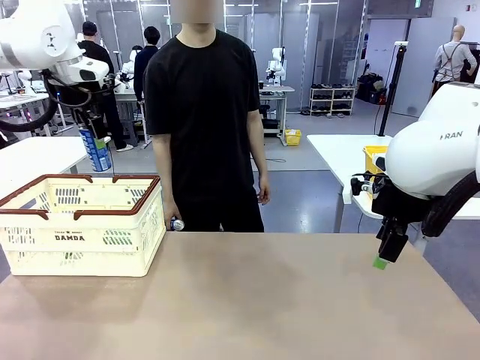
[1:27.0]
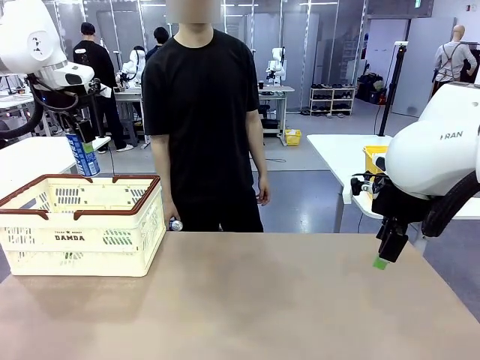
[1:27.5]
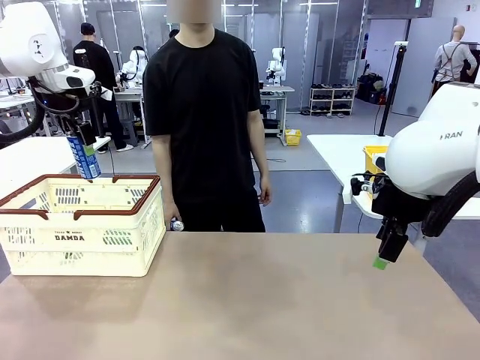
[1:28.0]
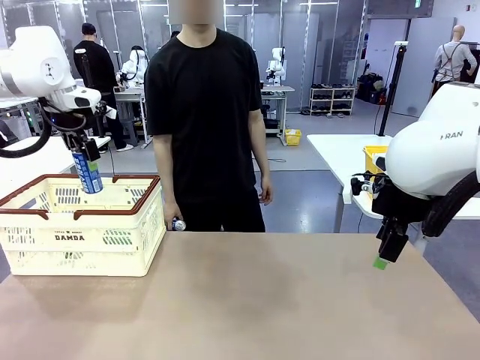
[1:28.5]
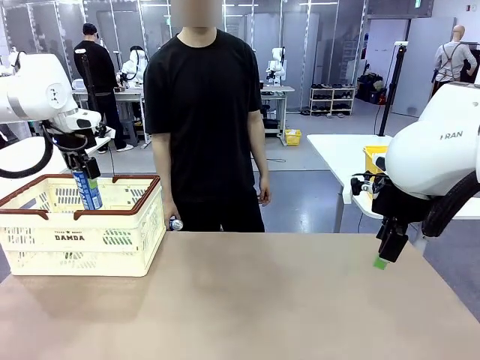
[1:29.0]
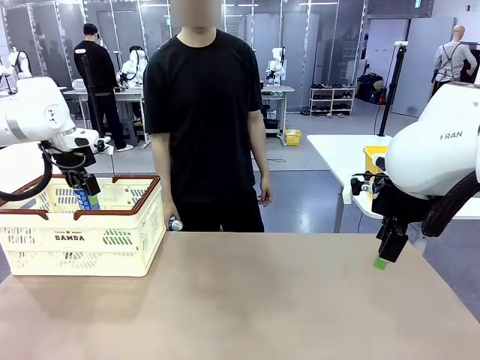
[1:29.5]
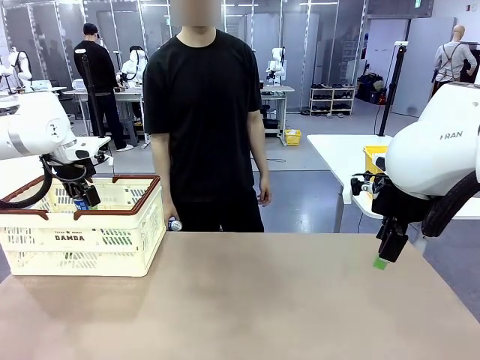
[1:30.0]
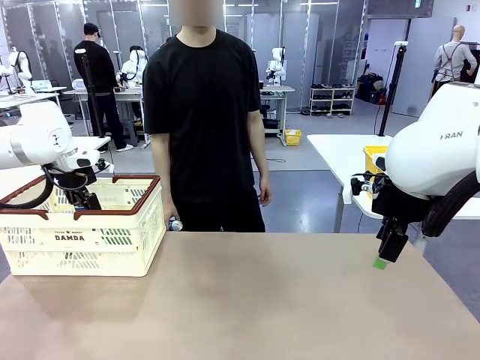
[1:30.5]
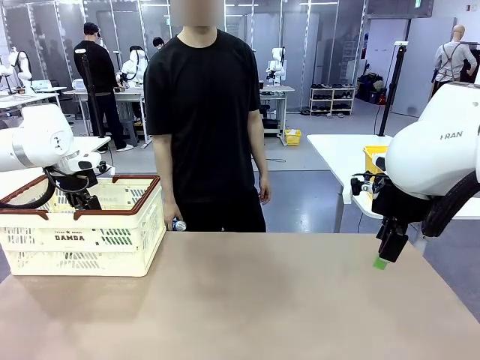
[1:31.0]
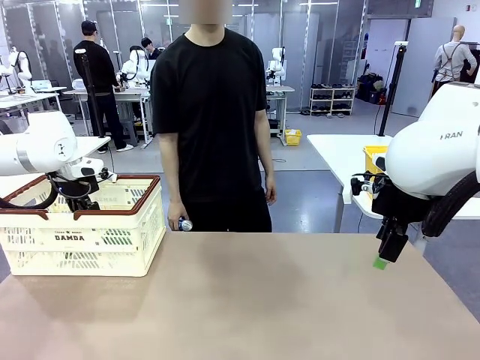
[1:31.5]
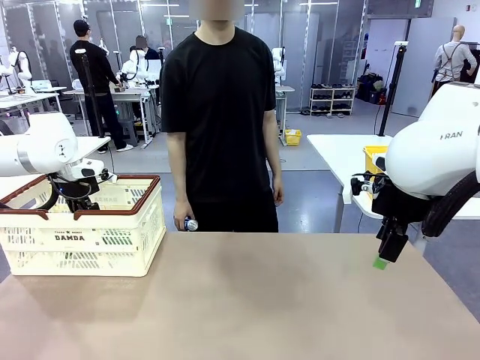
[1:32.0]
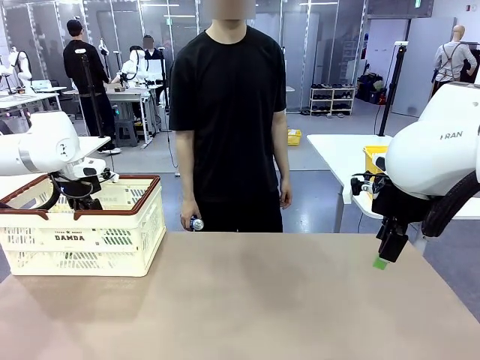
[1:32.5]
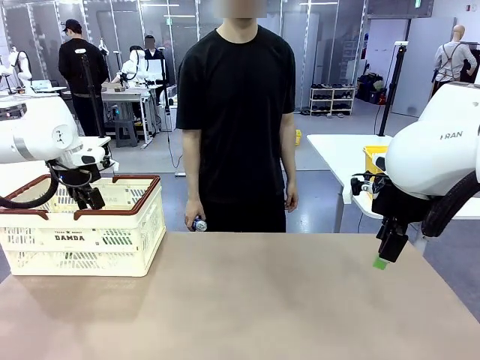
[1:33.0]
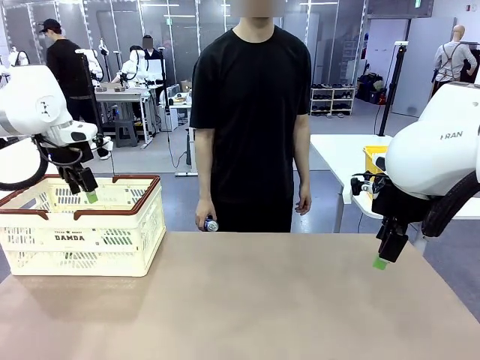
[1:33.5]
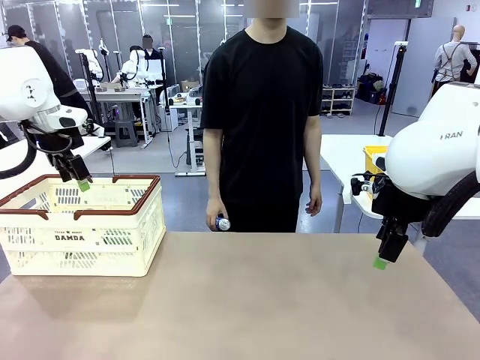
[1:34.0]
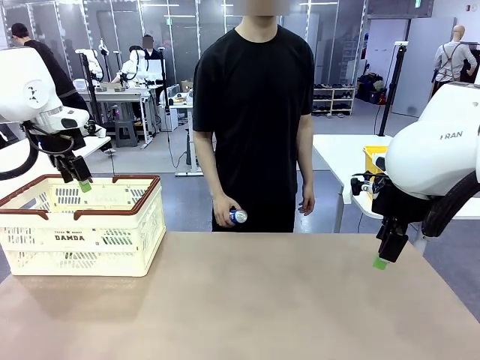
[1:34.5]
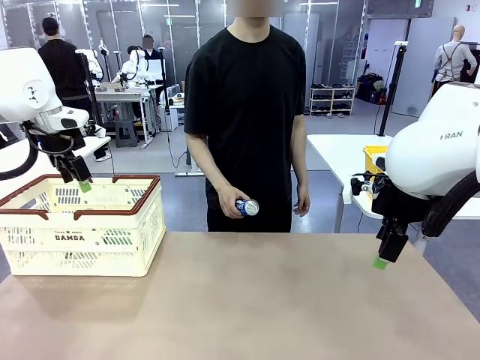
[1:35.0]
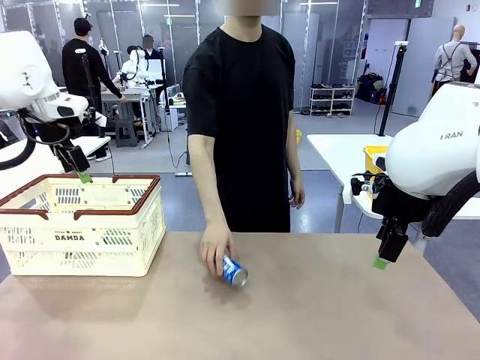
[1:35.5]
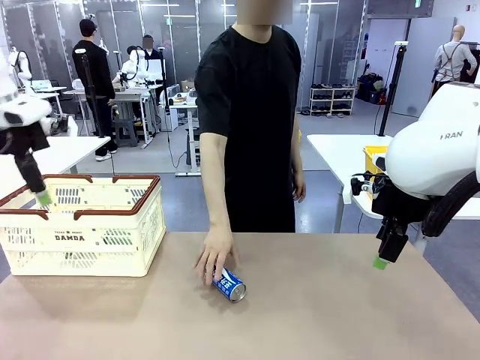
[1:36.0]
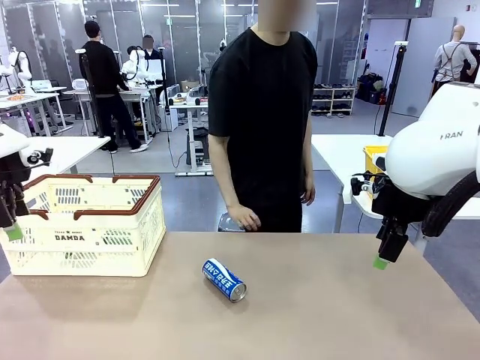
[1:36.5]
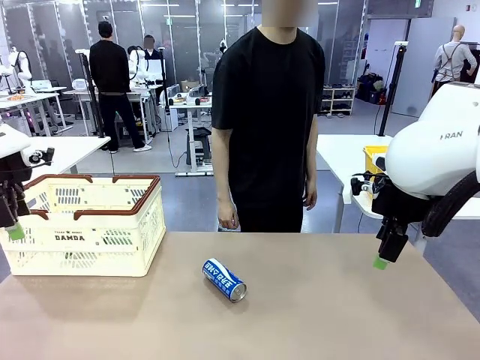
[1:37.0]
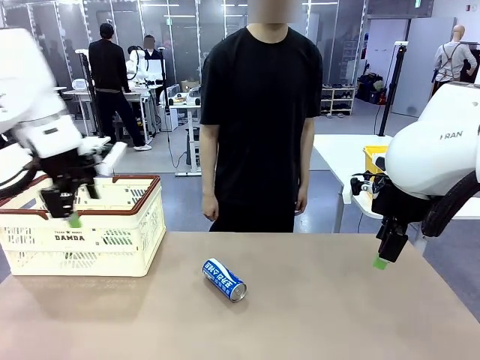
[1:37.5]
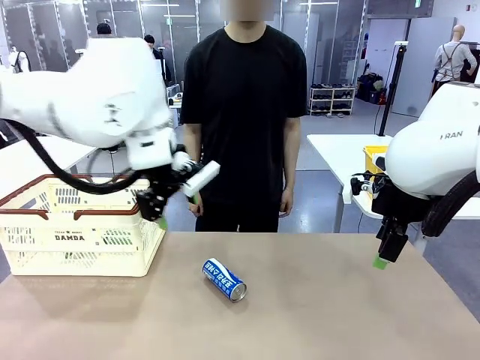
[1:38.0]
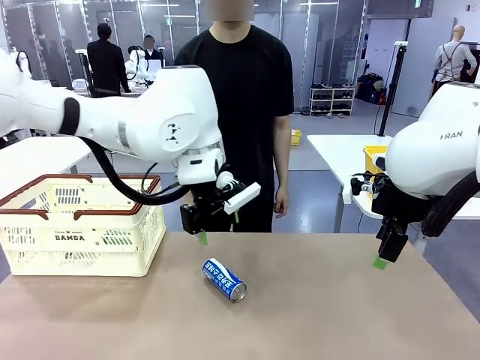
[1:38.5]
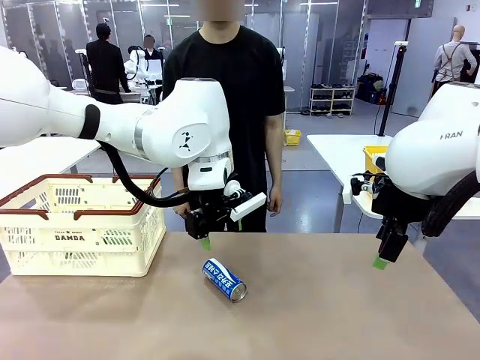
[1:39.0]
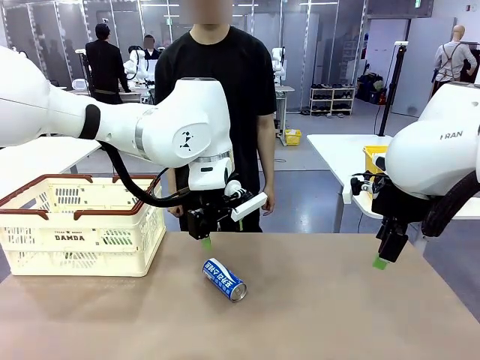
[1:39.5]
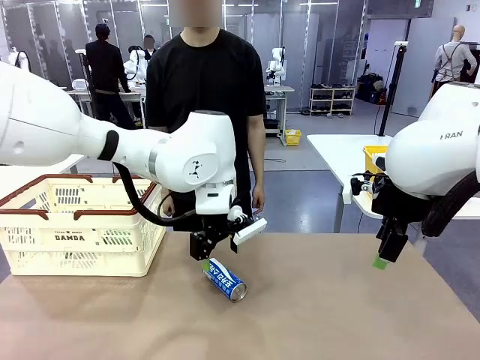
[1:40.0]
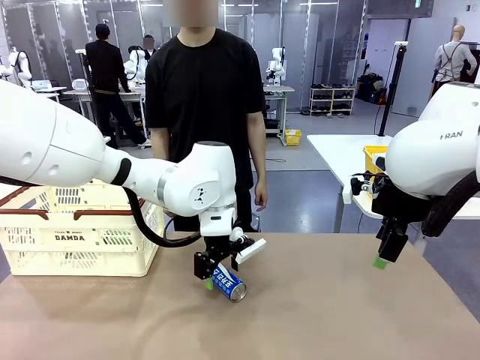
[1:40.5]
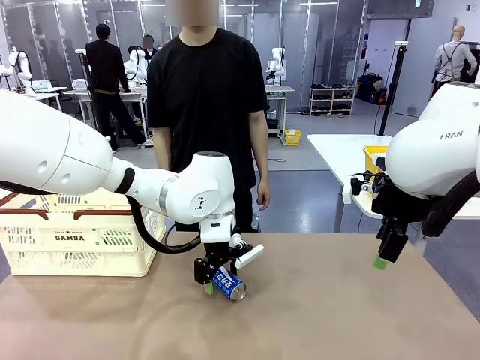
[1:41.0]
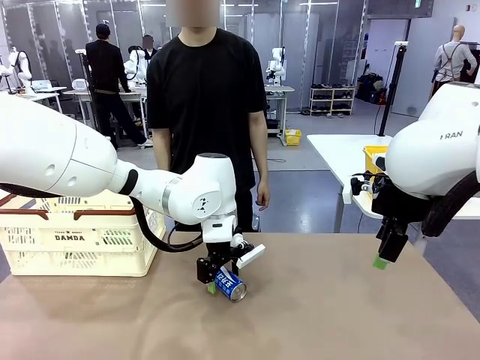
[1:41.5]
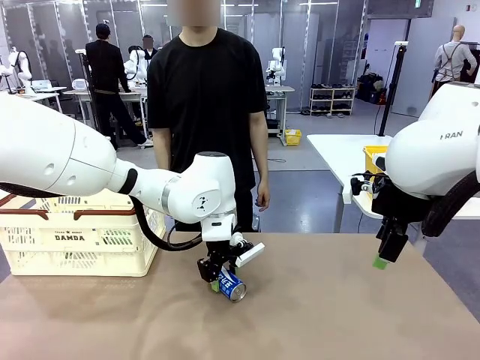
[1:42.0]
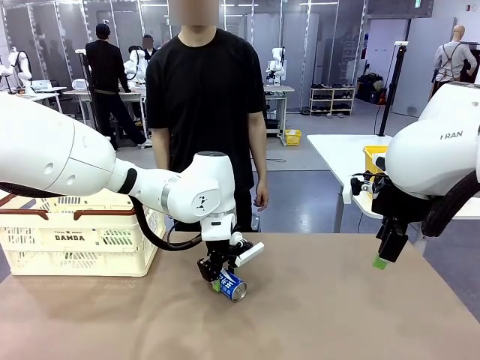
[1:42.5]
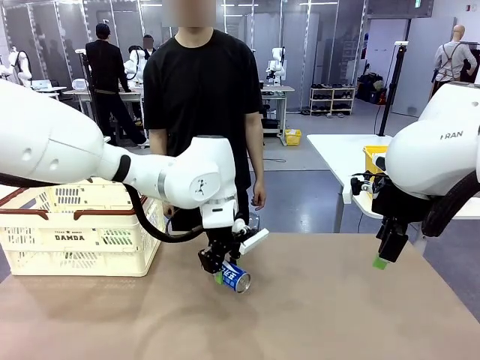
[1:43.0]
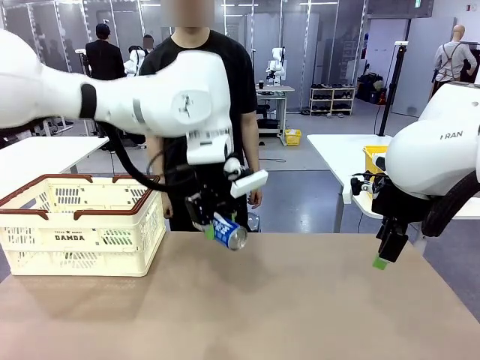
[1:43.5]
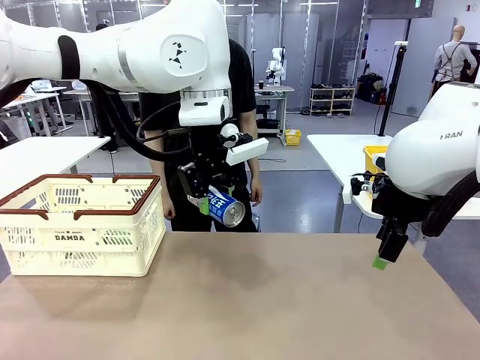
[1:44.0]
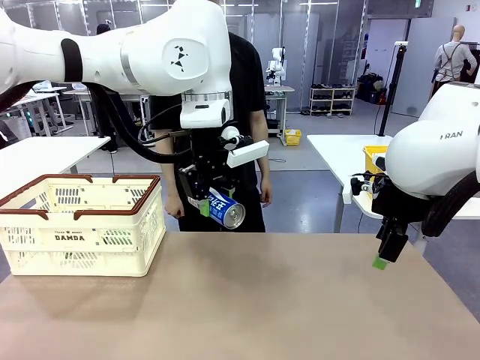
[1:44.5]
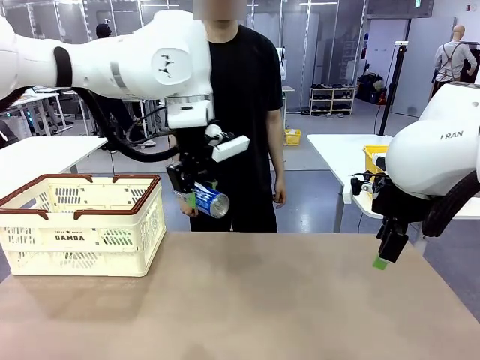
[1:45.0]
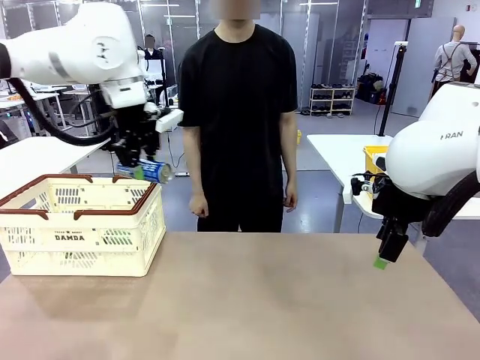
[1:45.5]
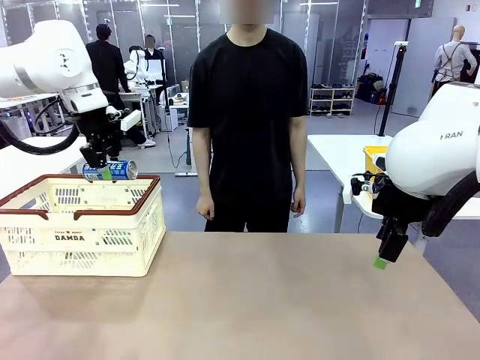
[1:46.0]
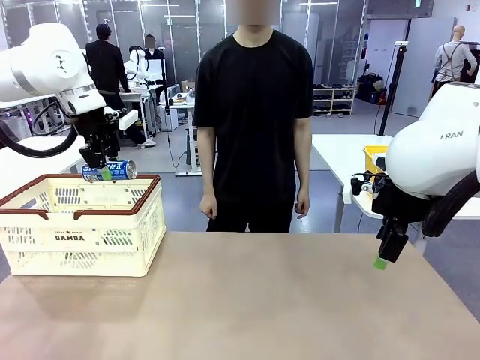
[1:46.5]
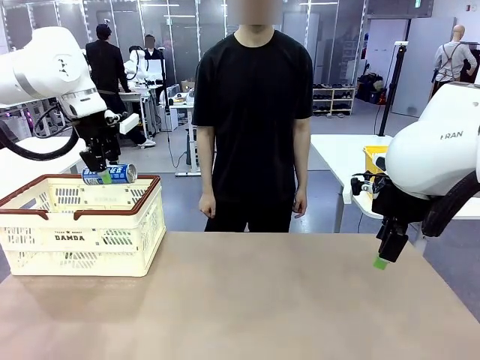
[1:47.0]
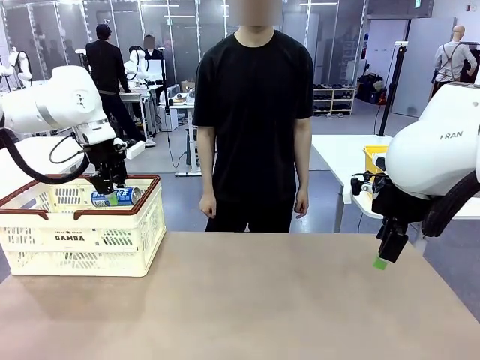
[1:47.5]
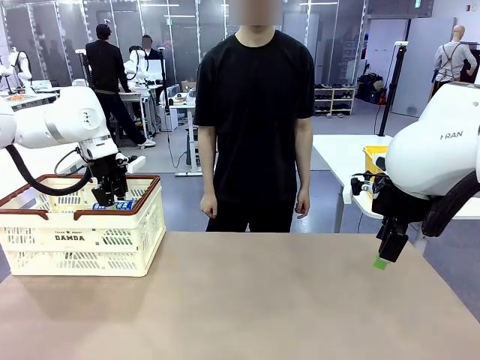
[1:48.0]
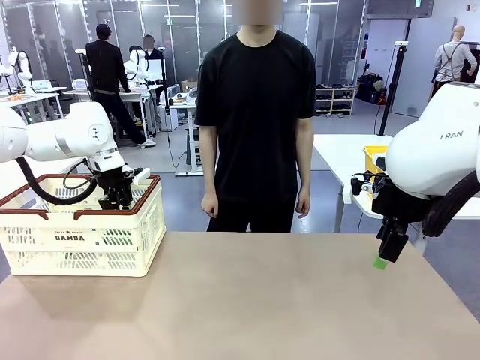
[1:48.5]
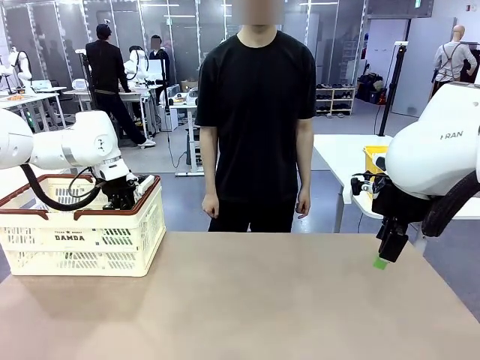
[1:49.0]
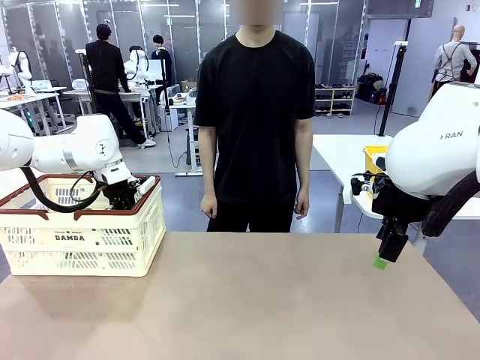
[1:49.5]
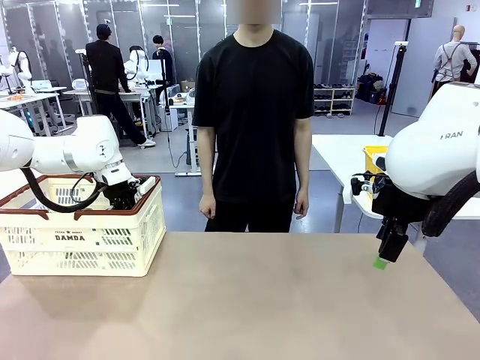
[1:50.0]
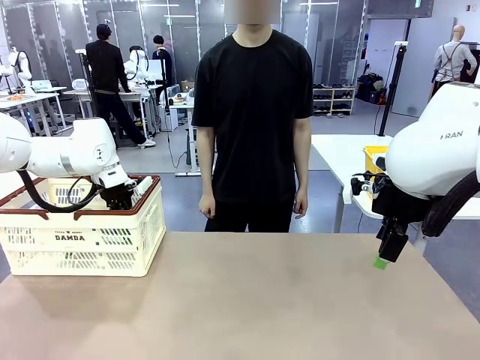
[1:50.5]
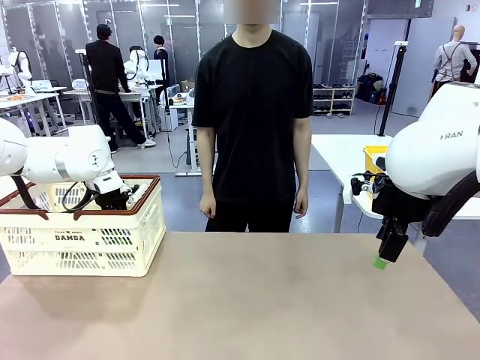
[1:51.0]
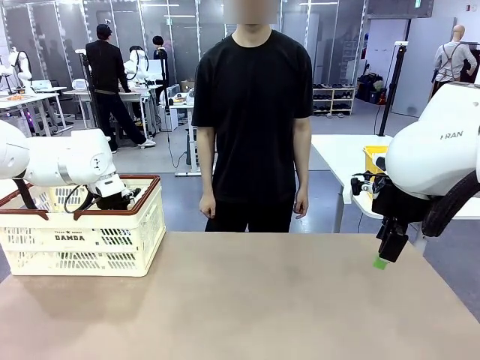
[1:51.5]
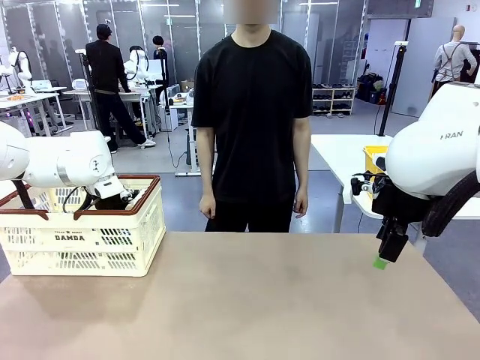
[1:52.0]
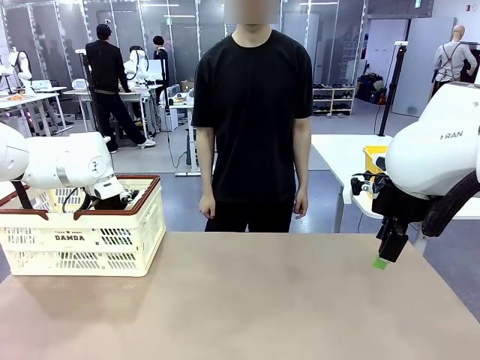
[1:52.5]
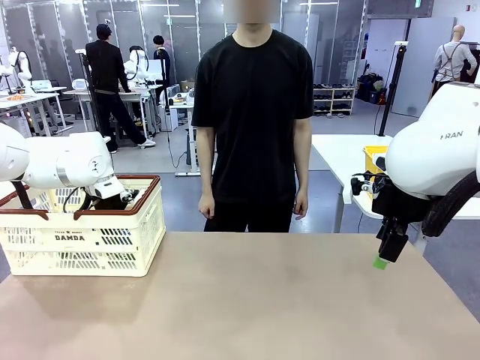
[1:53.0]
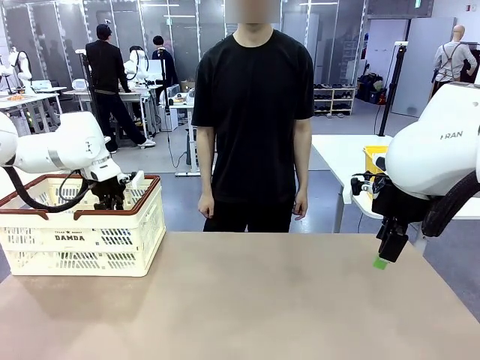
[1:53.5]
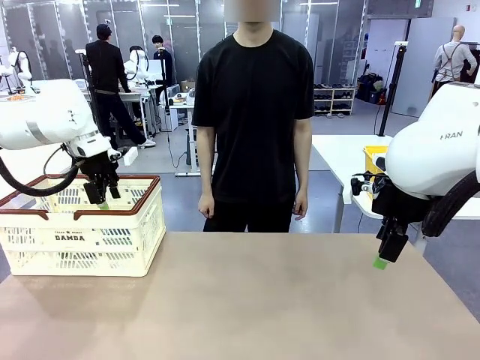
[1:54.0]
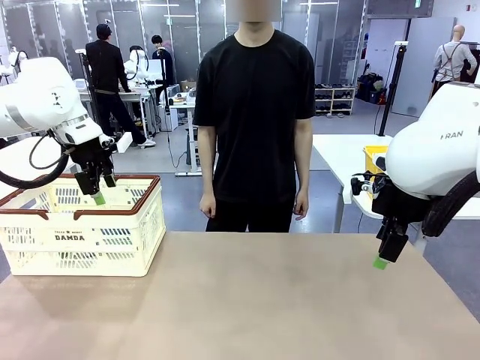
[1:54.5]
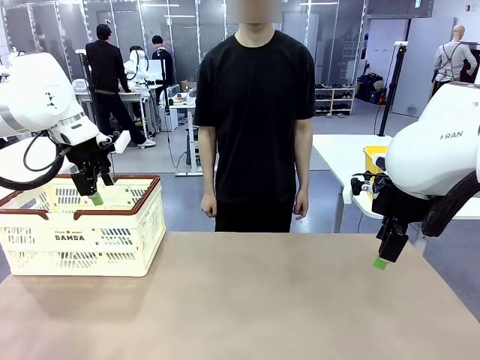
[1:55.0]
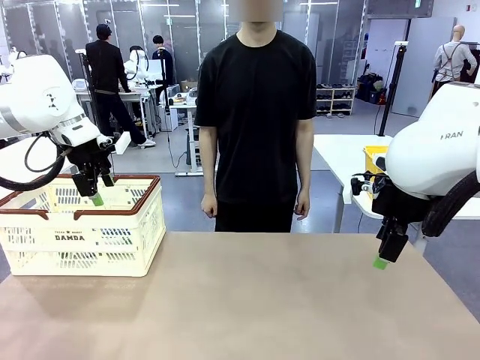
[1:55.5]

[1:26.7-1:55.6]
Task: Place the drinks into the Shopping basket.
Robot: Pick up one drink and place it into the Shopping basket.
